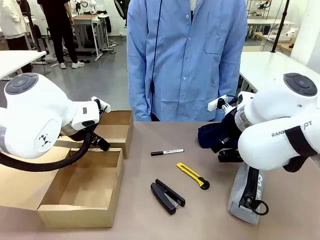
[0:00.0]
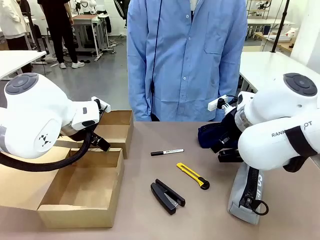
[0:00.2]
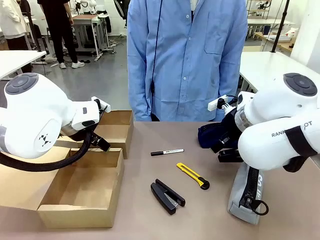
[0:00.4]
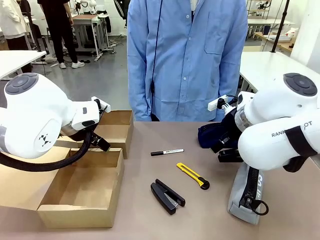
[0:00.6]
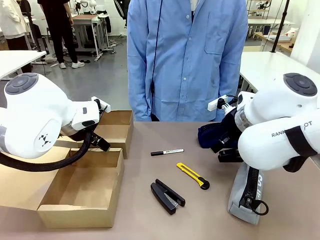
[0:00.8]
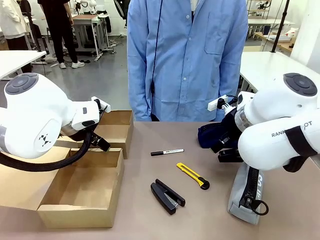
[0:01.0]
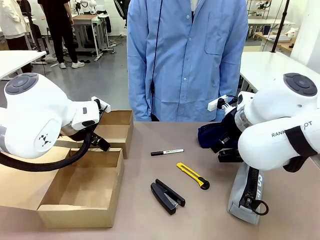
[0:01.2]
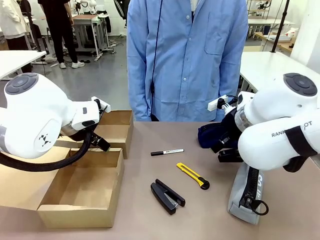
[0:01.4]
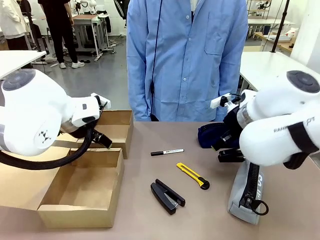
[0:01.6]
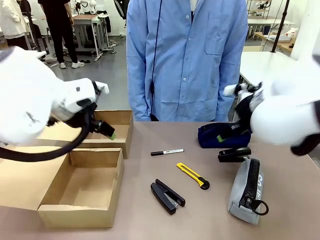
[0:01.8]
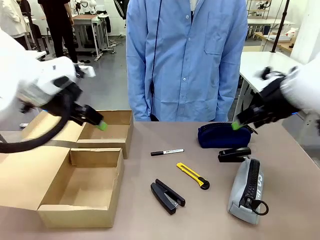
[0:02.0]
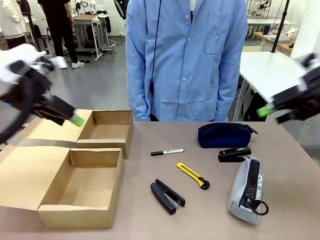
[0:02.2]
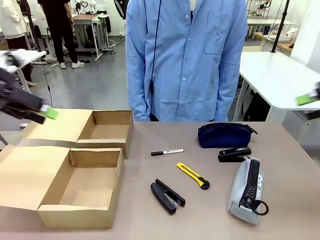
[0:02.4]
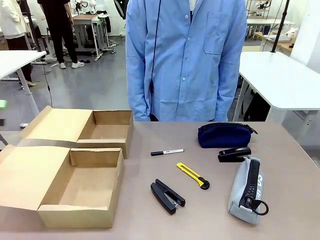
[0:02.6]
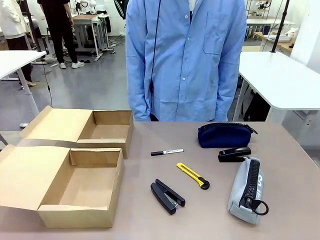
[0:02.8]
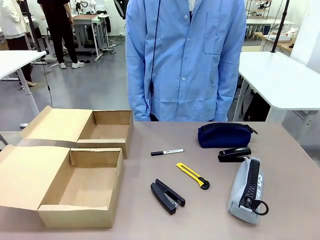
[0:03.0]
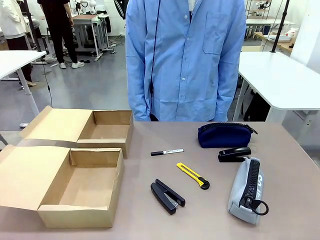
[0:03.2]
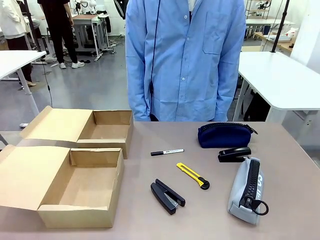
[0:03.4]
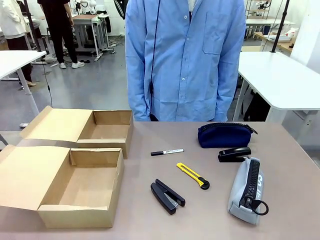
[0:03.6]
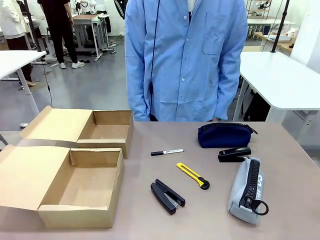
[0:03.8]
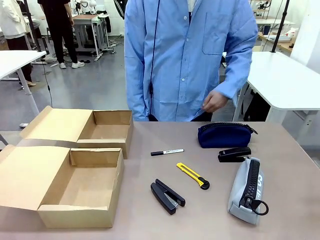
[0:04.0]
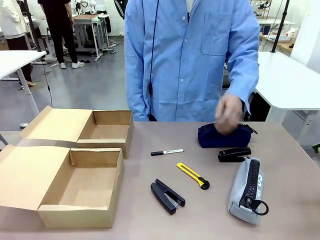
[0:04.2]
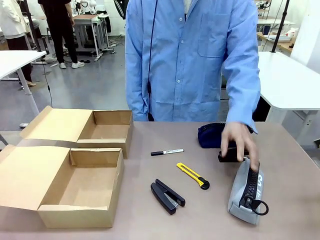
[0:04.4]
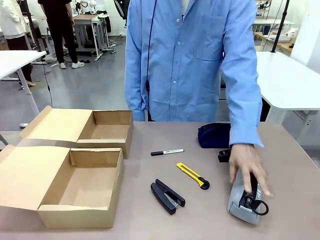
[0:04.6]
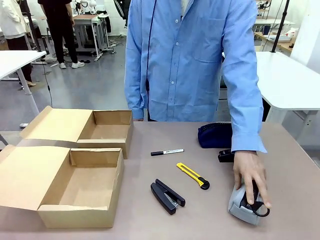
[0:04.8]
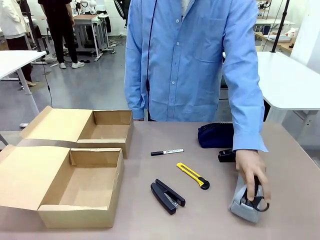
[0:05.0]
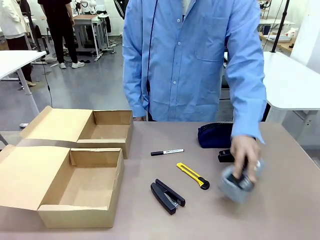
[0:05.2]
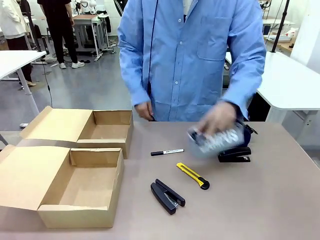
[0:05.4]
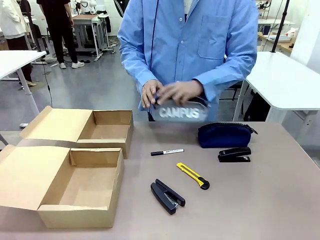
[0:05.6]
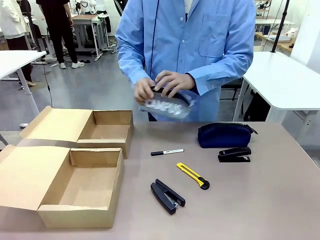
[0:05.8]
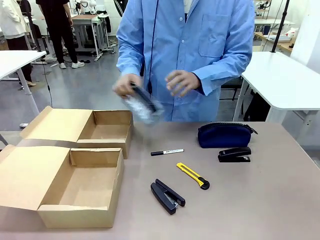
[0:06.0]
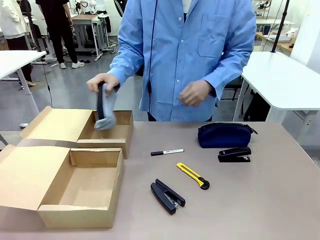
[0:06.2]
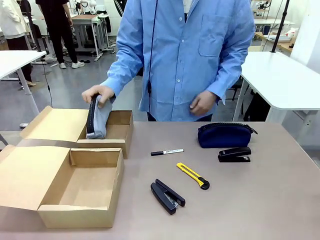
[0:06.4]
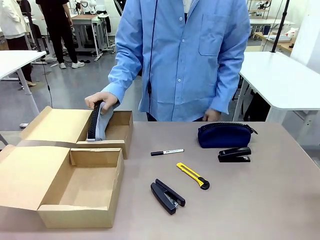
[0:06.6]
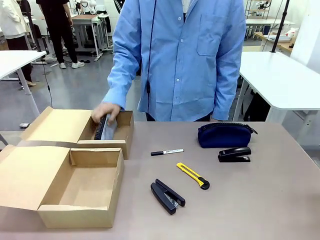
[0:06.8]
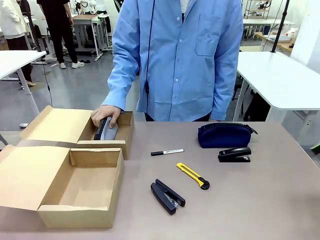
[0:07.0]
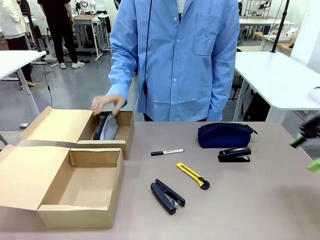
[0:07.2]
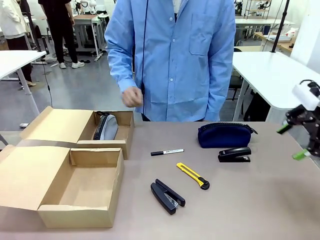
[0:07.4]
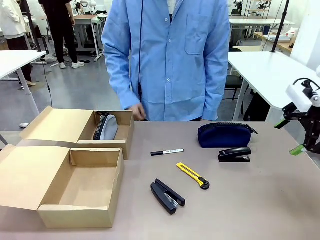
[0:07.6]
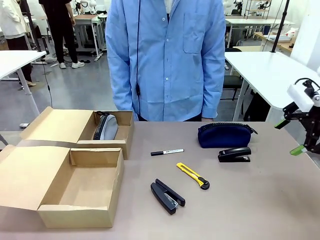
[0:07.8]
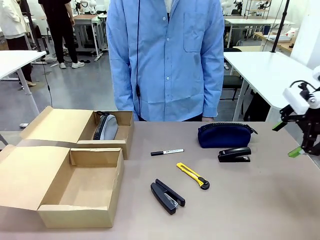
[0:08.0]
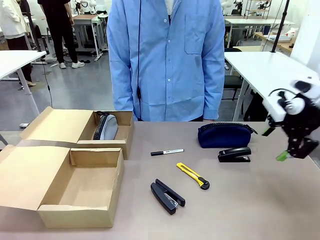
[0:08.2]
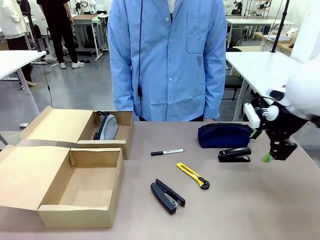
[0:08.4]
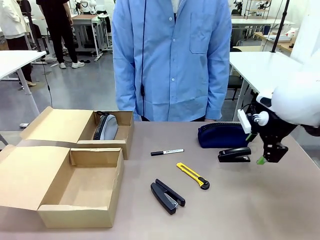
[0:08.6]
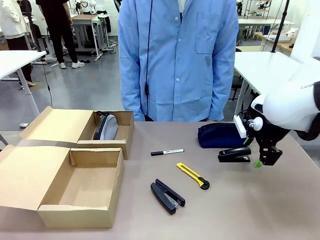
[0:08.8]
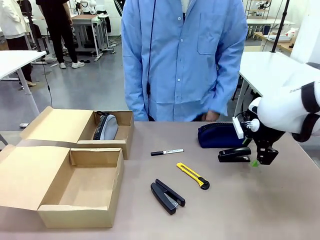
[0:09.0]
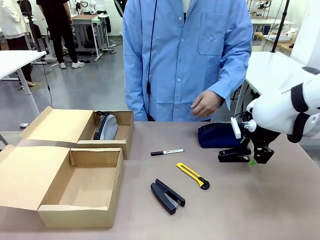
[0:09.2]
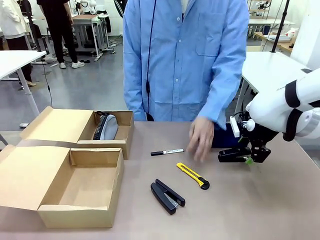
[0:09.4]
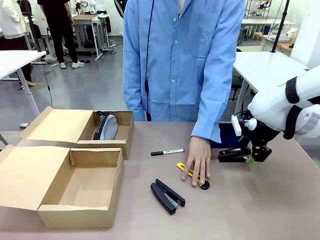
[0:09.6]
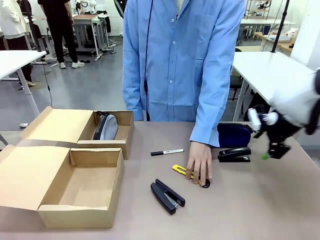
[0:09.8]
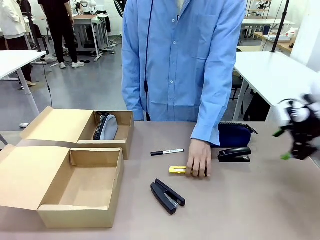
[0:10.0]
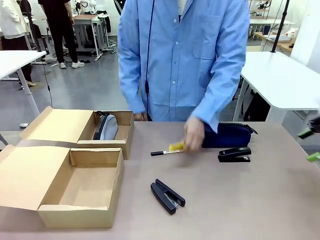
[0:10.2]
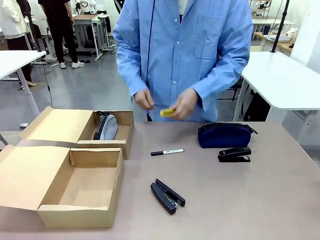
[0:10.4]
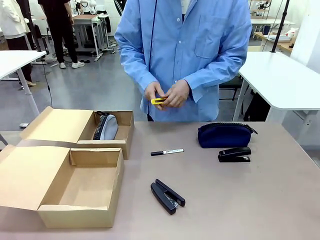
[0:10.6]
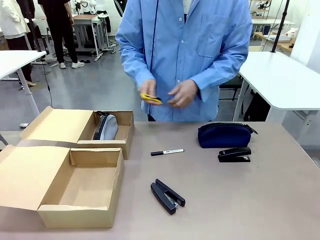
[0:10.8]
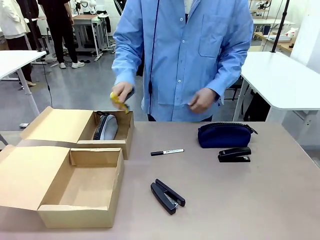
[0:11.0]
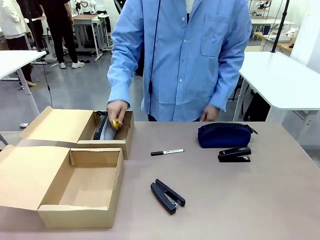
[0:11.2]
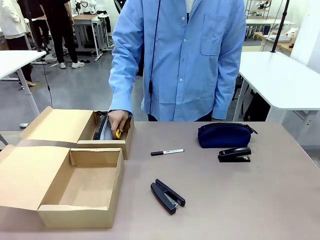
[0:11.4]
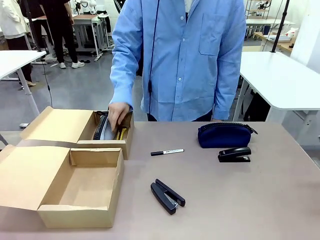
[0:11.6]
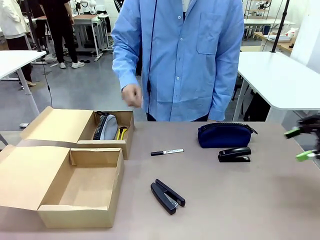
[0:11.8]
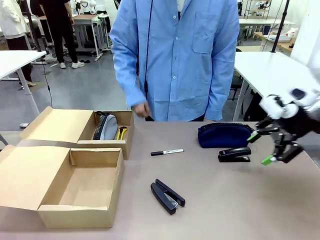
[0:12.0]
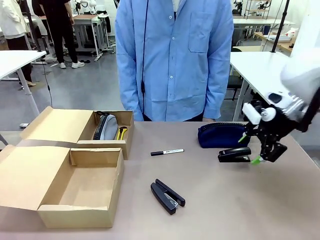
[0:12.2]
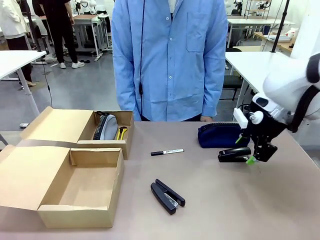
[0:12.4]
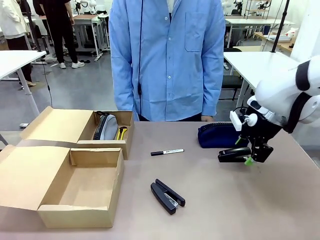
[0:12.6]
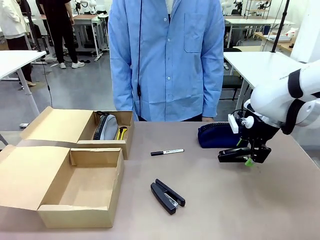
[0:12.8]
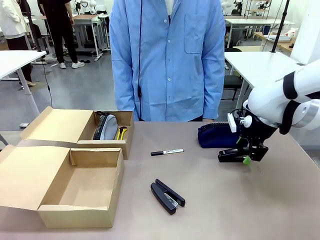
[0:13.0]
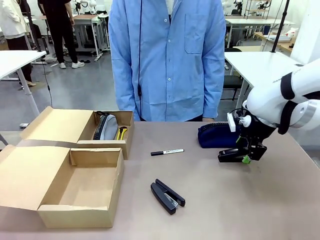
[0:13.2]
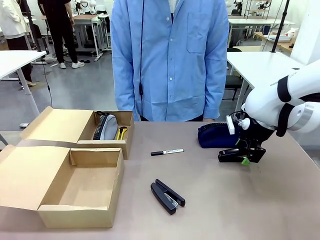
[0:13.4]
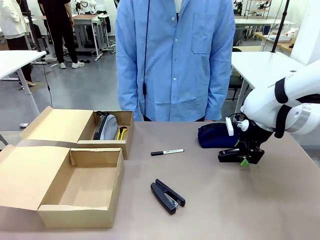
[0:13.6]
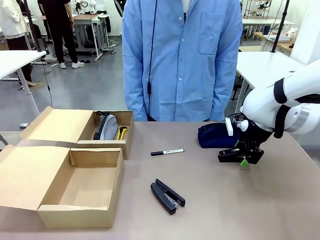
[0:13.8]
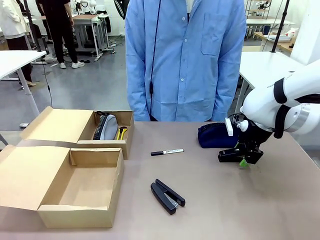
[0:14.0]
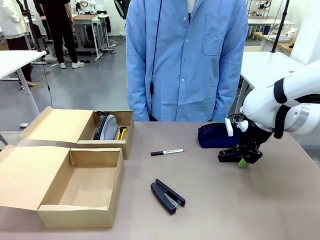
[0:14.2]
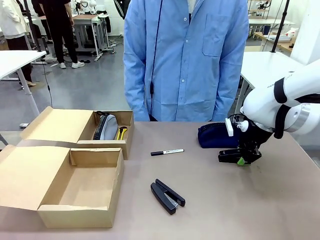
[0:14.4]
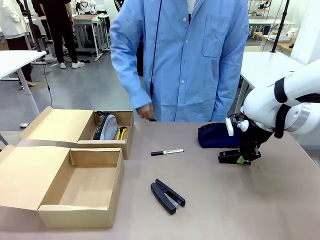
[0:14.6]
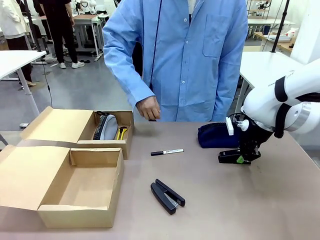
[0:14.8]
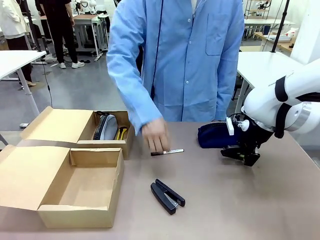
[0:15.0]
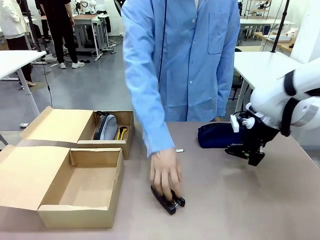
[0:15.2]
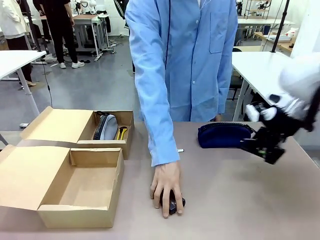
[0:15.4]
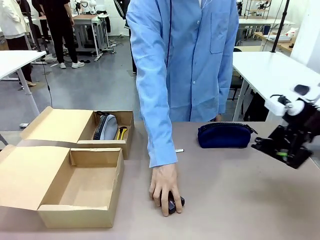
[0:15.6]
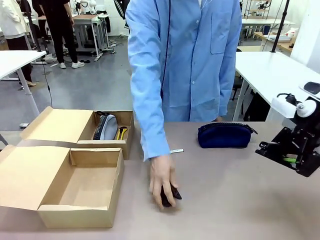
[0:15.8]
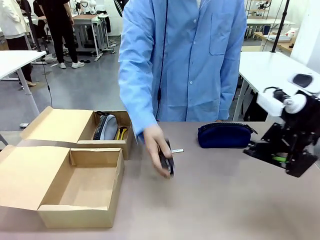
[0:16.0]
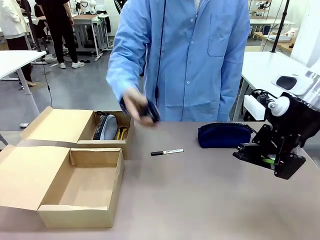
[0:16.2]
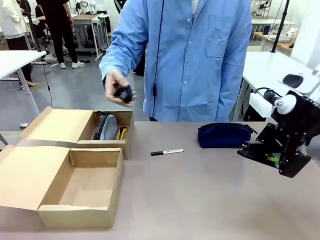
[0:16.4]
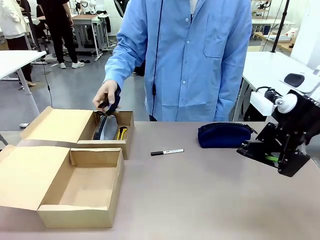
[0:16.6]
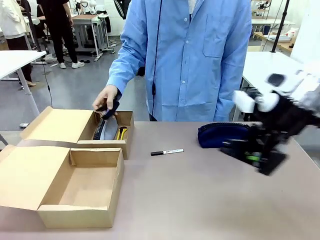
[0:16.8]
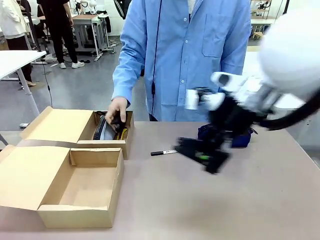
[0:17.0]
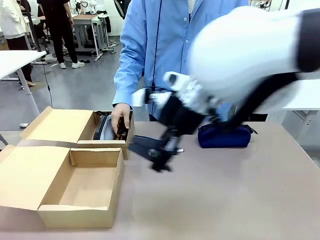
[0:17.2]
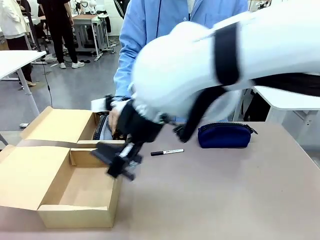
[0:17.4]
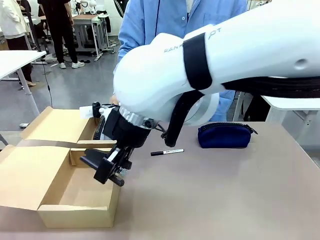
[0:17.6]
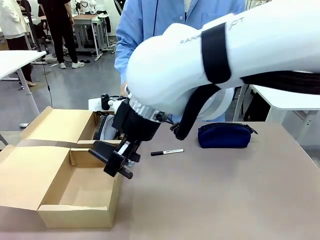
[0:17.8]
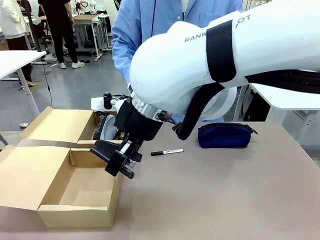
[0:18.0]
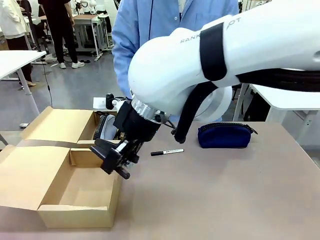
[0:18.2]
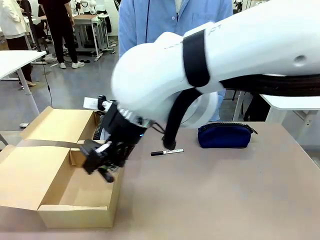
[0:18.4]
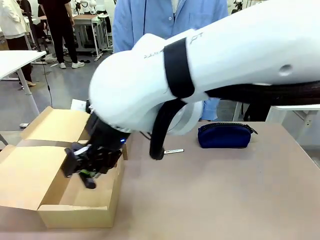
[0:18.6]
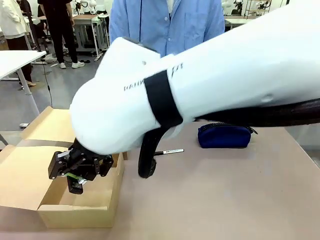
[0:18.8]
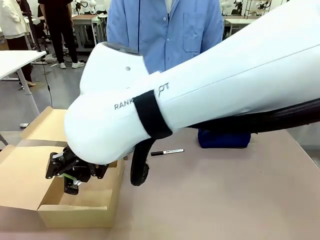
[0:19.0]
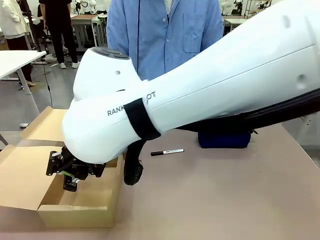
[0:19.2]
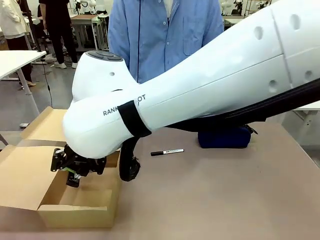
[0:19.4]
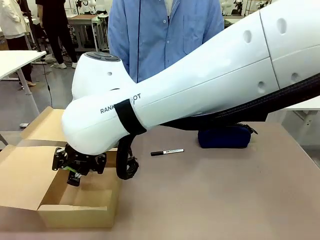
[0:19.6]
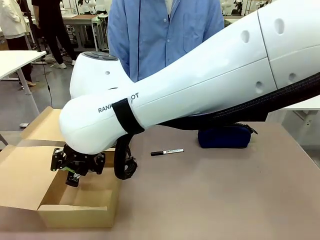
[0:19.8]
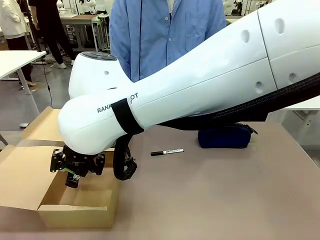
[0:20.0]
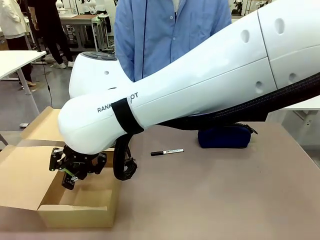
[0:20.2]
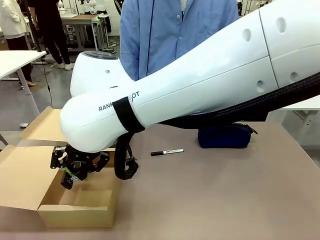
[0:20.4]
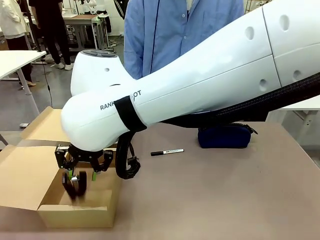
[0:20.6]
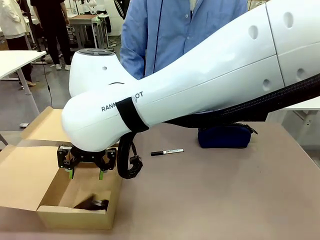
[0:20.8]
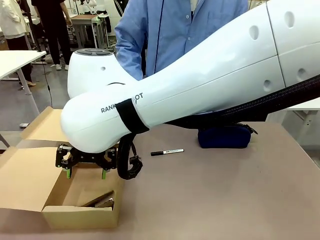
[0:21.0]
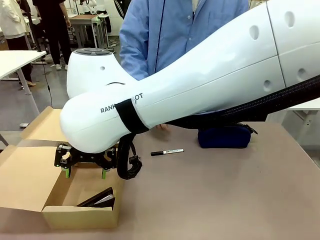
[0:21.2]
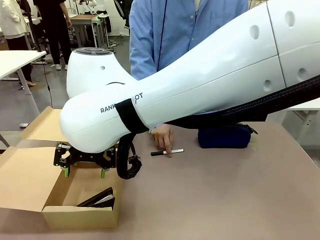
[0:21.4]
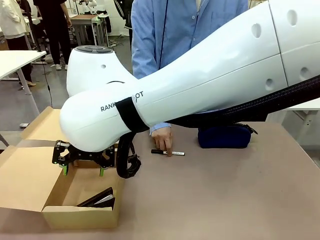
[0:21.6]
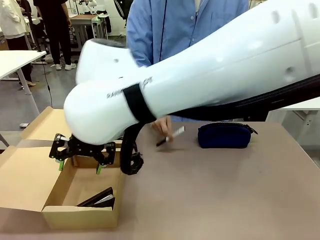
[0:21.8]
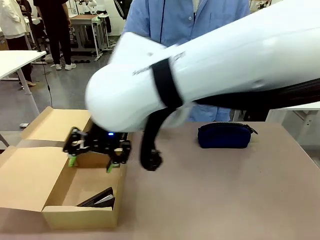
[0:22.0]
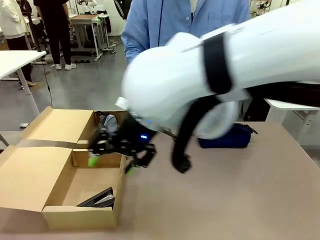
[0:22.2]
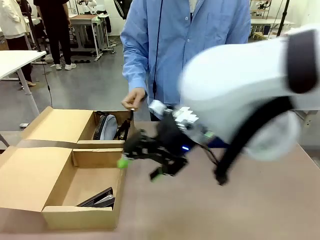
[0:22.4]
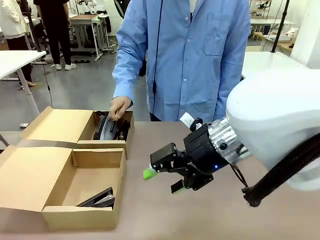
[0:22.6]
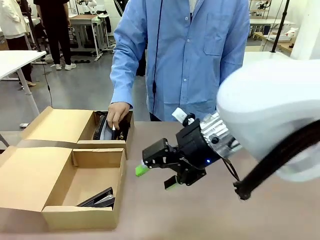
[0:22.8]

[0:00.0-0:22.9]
Task: Place items inside the box.
Robot: Pick up a Pencil pouch or Stapler and place it inside the Mailer Box closest to the robot.
Person: Pick up an object on the table and put it in the box.
